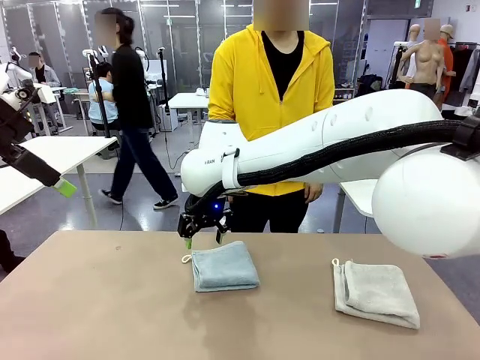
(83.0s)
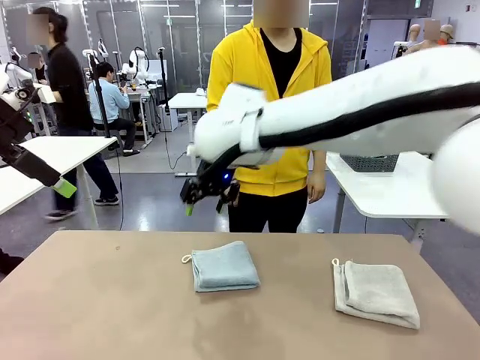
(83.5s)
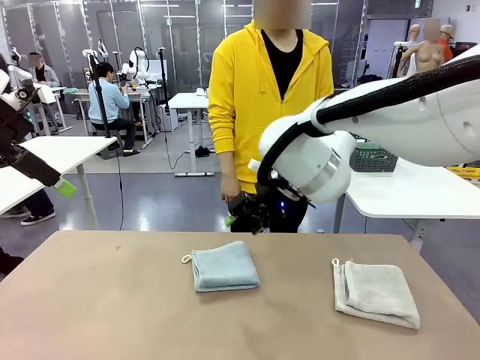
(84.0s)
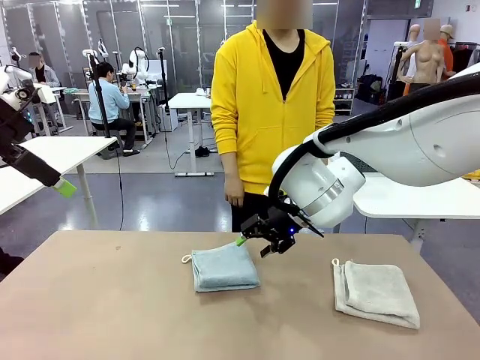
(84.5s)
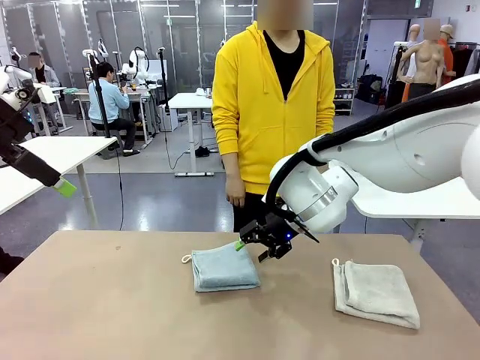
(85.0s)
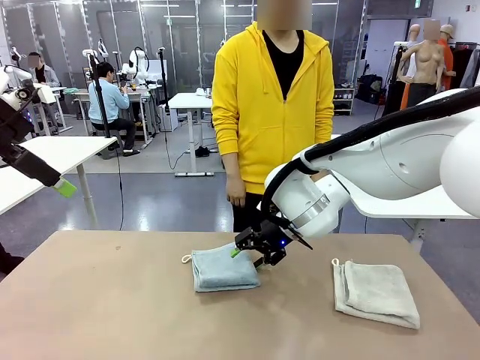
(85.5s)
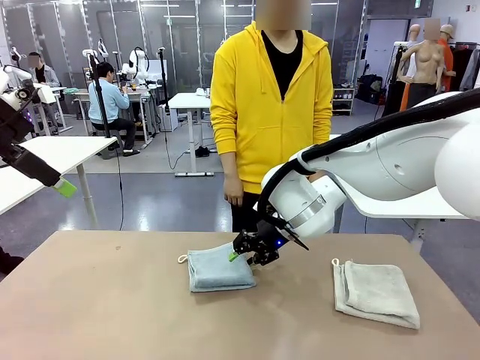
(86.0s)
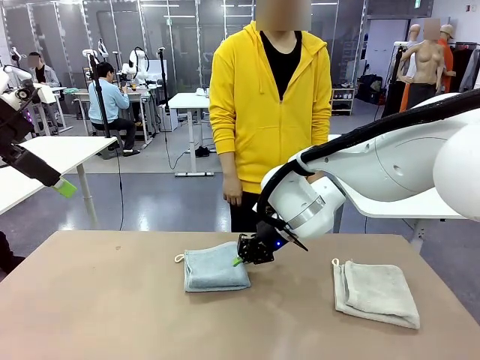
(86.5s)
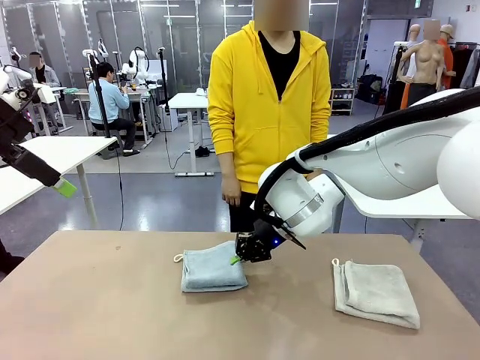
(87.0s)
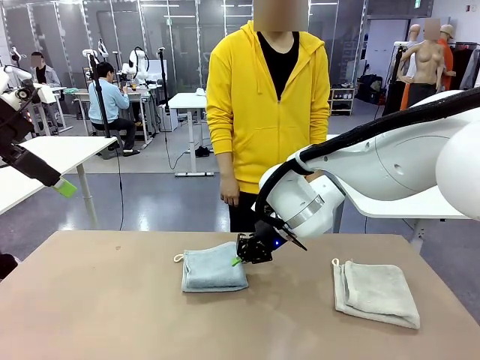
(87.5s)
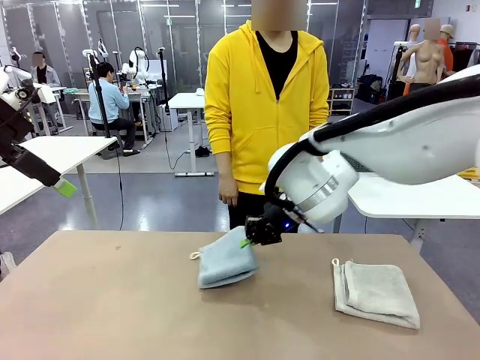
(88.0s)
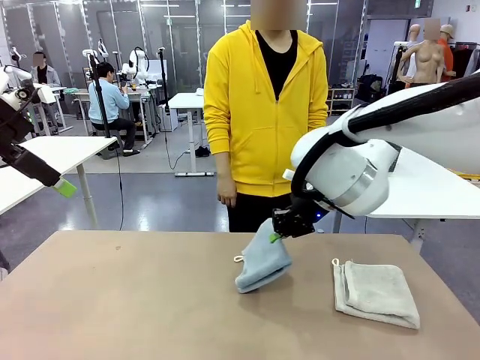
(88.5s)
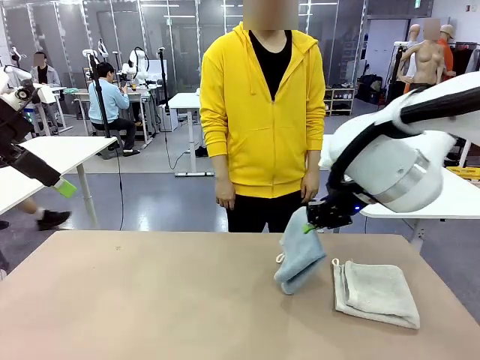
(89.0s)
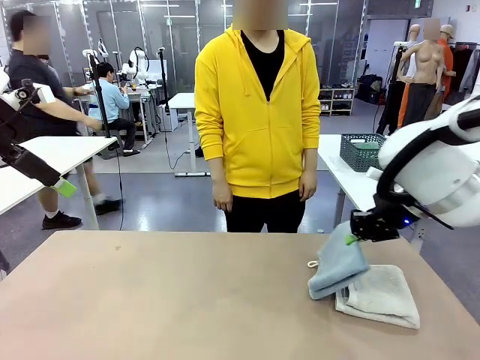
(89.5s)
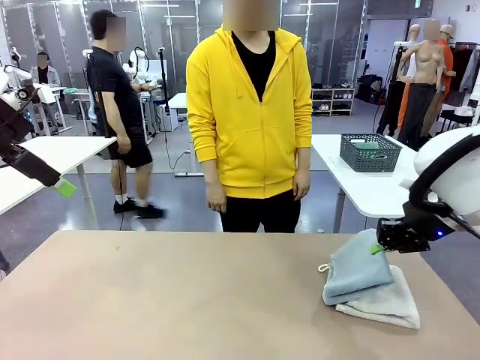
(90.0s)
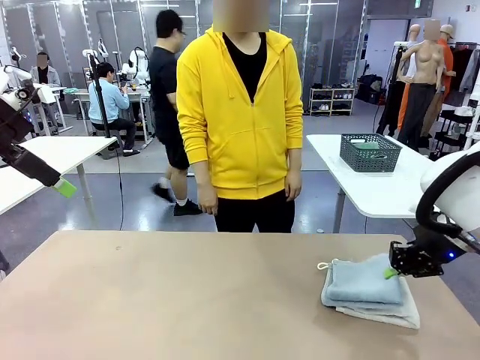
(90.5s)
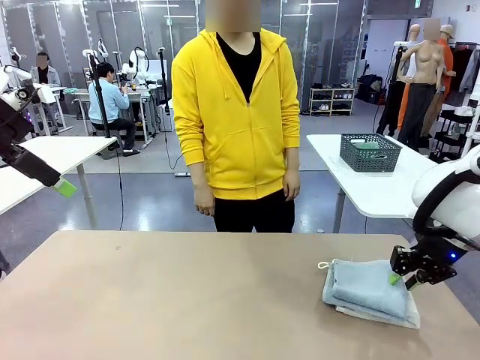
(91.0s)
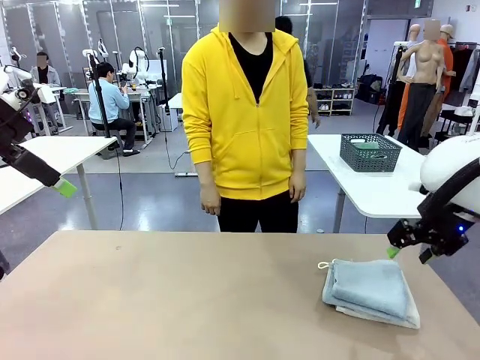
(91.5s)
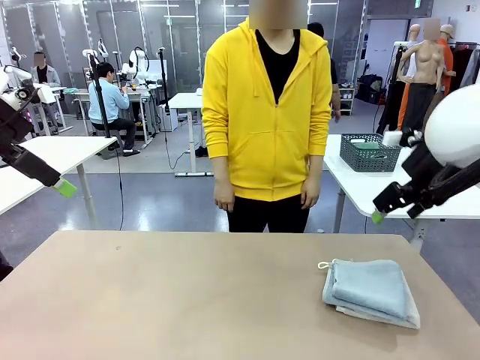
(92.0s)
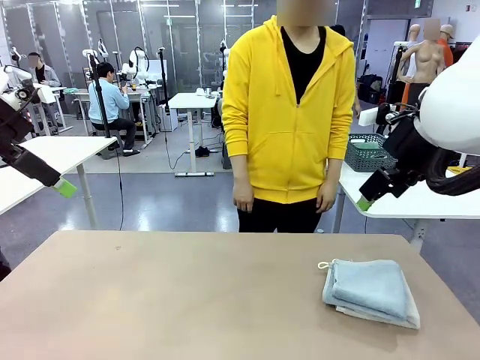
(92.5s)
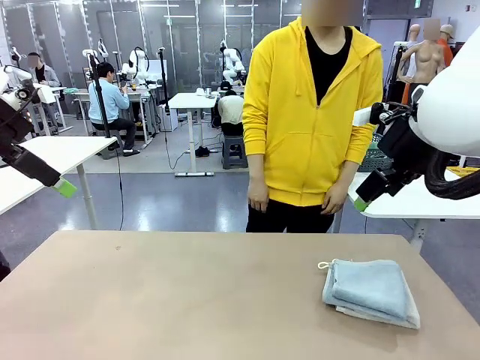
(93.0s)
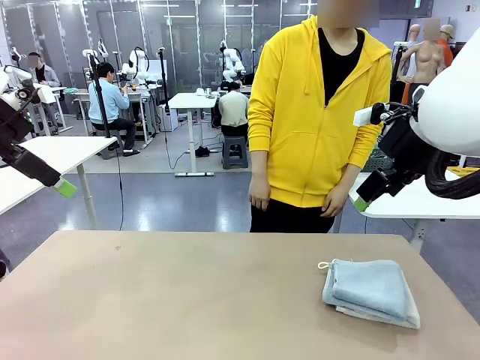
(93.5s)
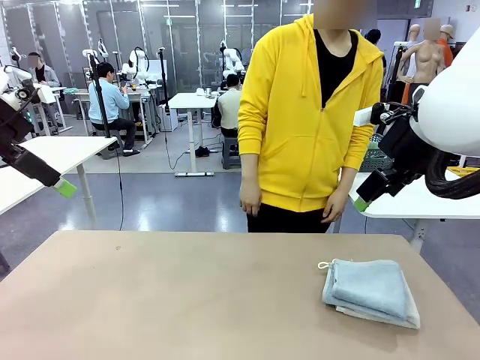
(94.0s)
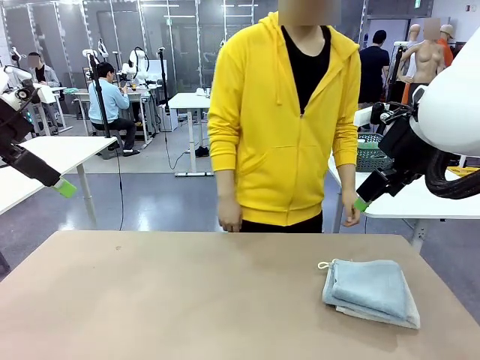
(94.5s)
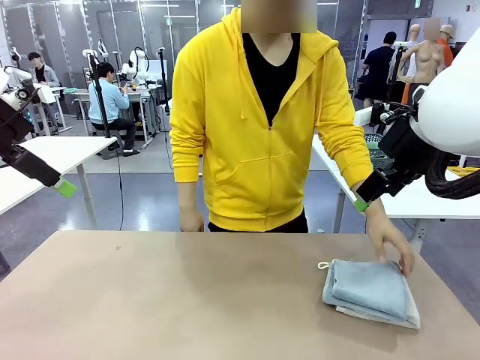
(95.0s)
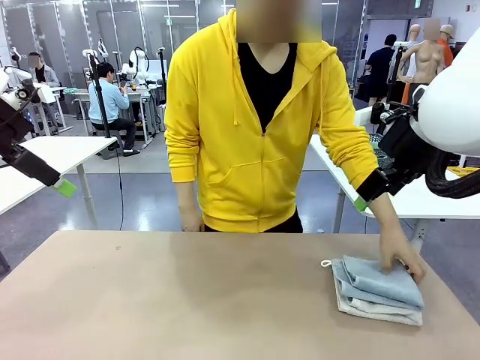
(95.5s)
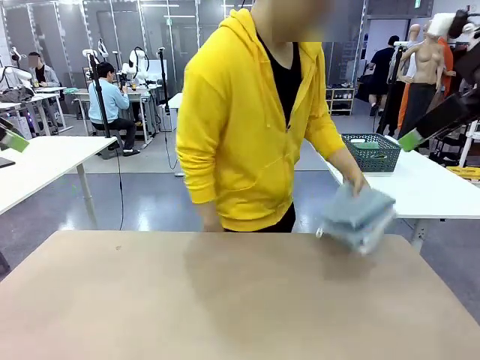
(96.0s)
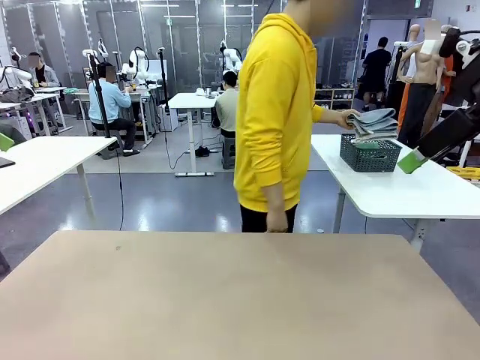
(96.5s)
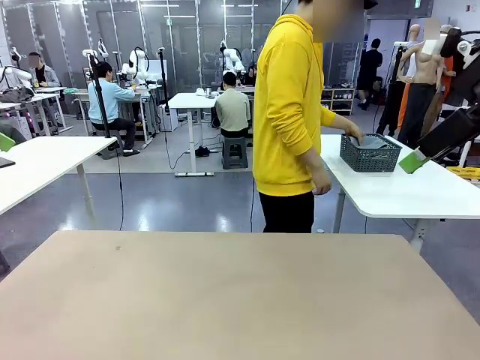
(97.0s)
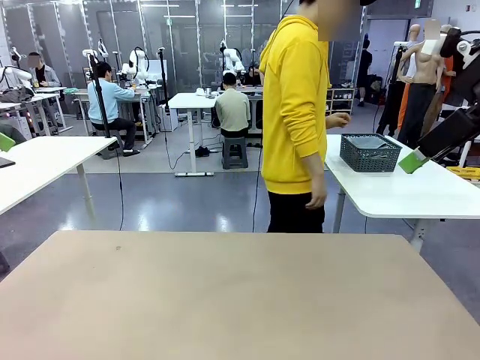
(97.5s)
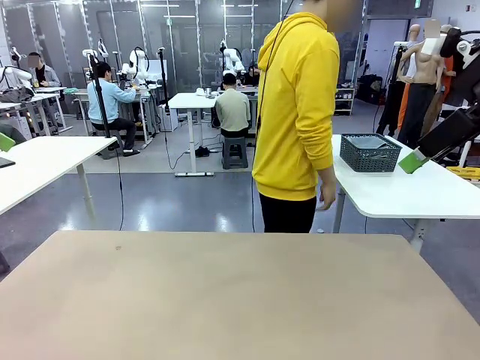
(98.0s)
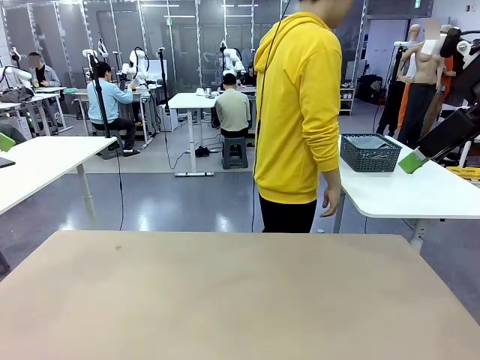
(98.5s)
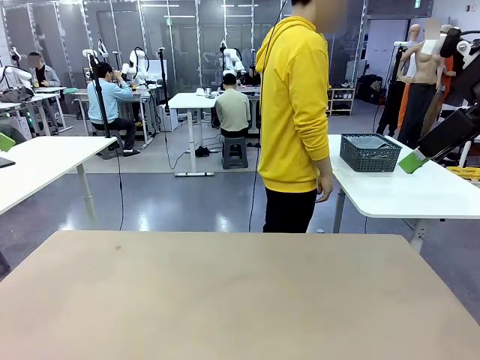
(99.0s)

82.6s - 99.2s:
Task: Fold the towels and place them in the basket.
Robot: Stack the folded Towel with hook on the right side of the table.
Person: Pick up the stack of towels from the robot table and place it into the basket.

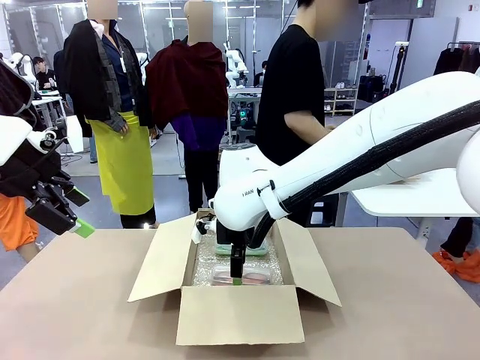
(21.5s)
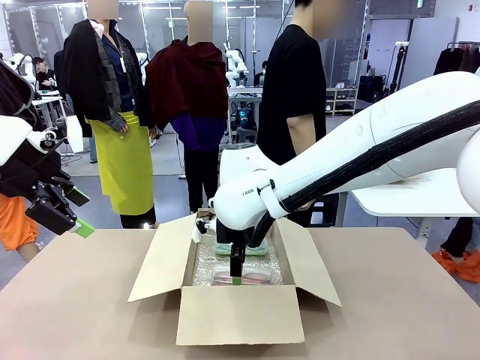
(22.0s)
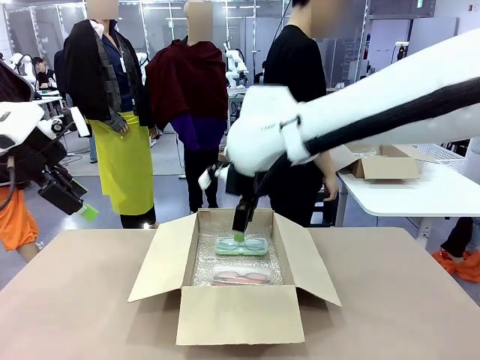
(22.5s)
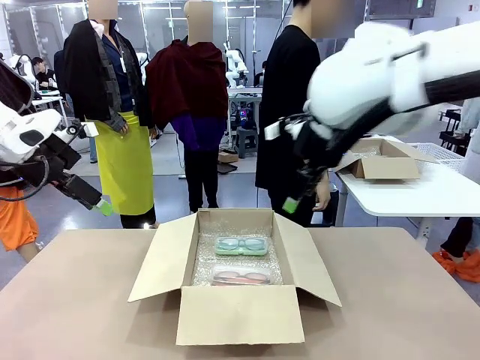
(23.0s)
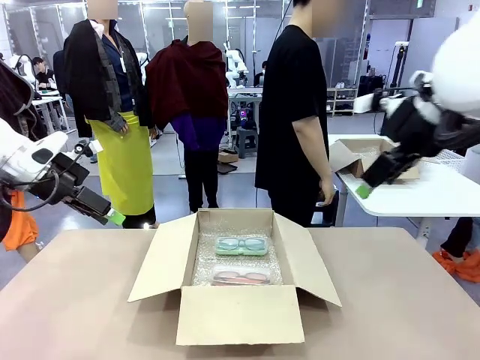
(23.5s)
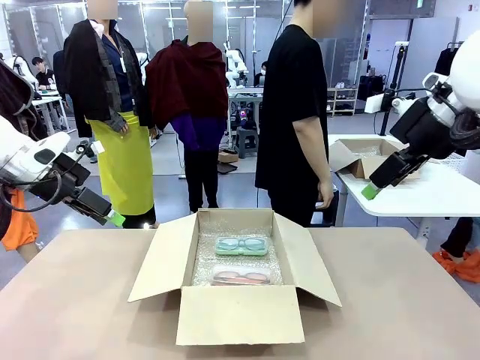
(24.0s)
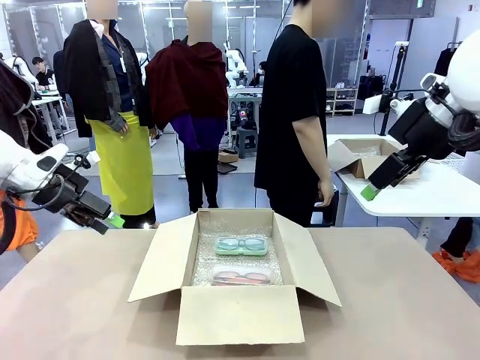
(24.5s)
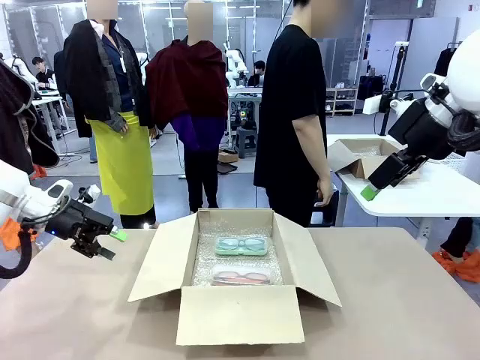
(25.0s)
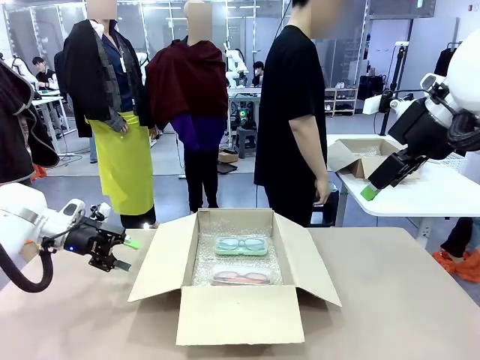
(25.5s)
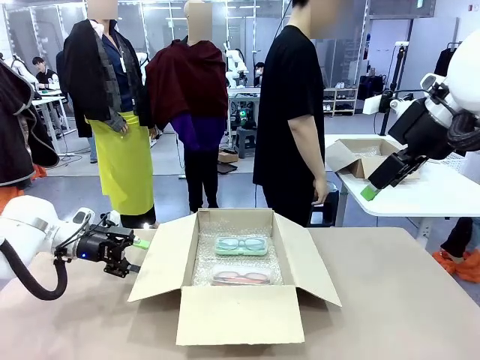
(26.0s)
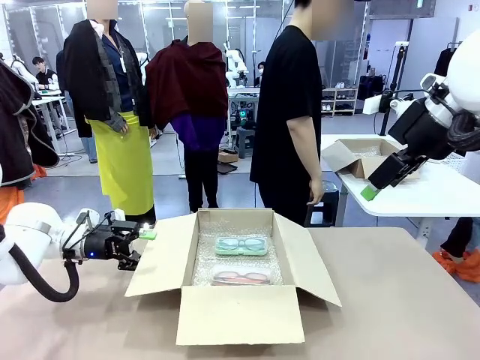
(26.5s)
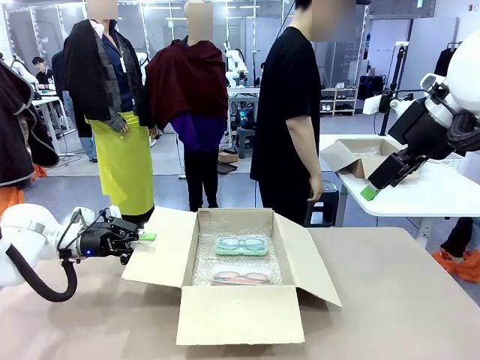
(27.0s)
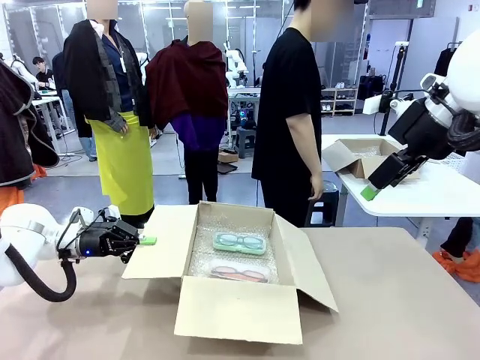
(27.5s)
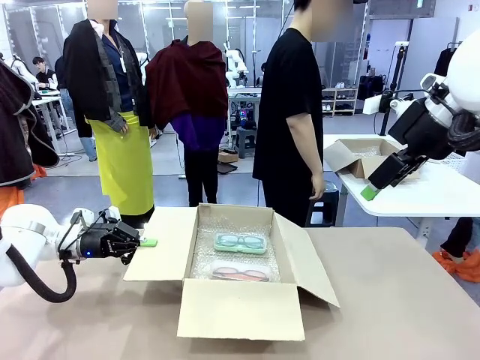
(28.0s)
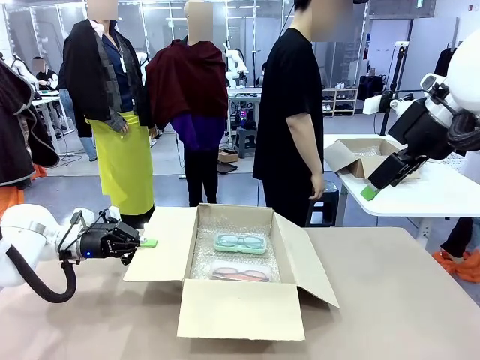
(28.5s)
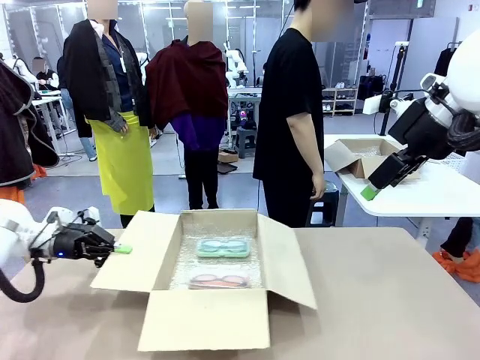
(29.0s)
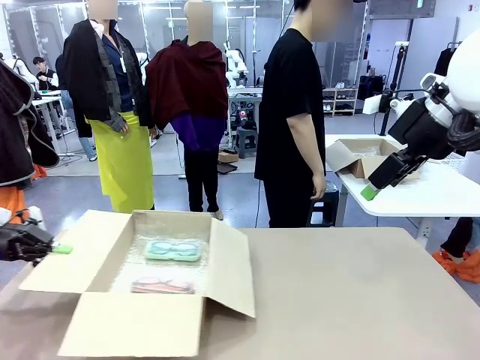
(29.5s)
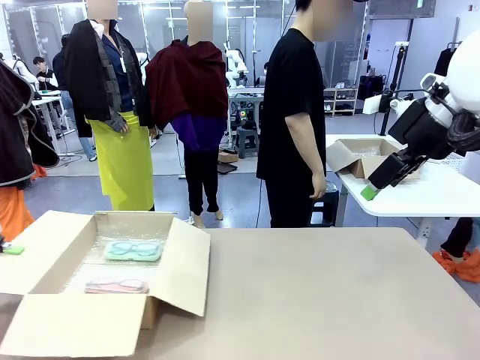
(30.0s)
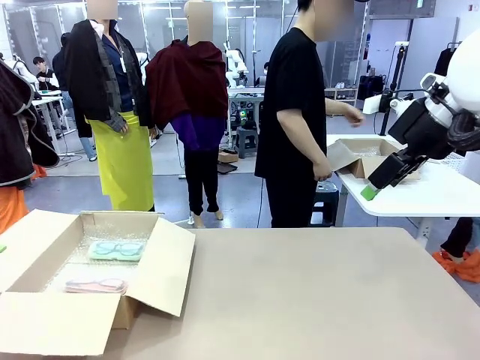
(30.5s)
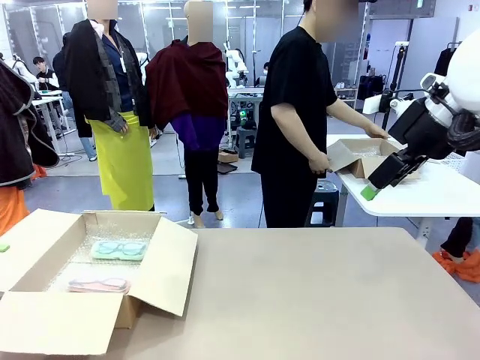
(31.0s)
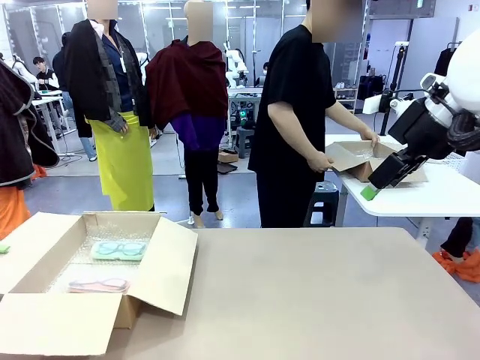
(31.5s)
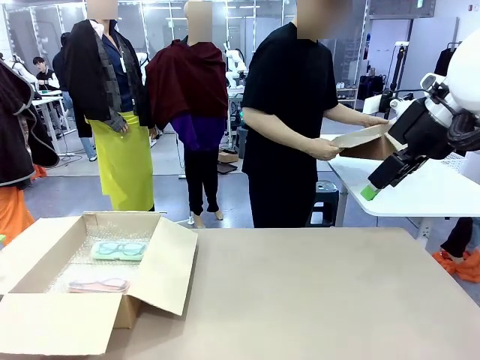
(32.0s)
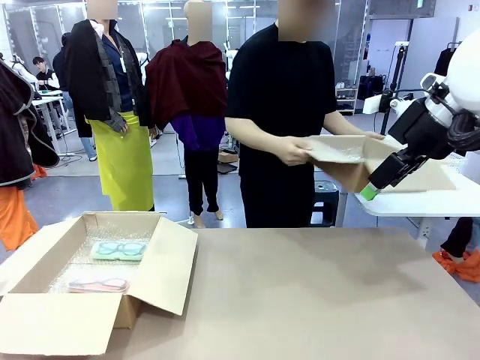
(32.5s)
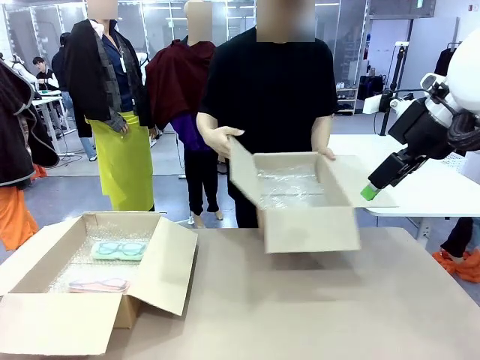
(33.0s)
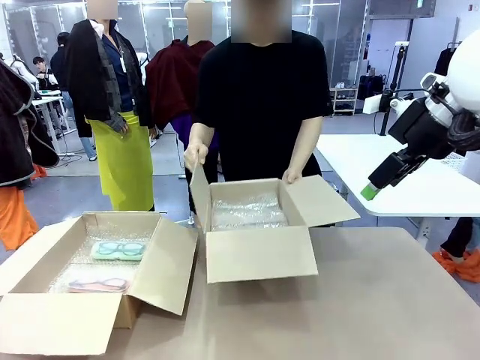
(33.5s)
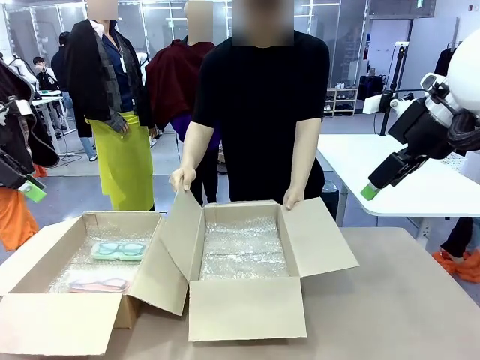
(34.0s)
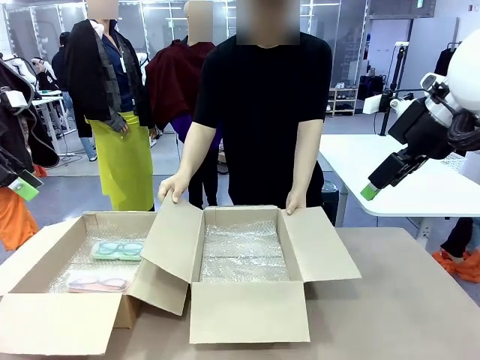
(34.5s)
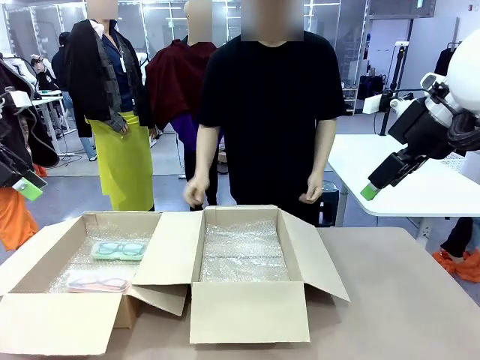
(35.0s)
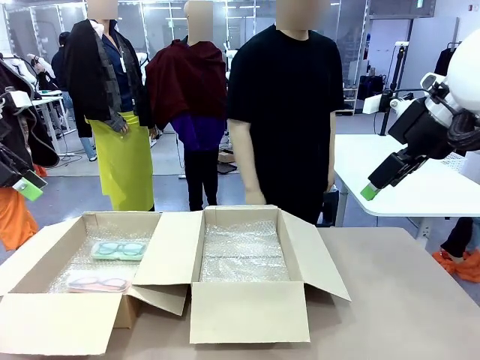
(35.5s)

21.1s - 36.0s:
Task: Pack the glasses set securely to prepare it for shipping.
Robot: Position the Package Box on the left side of the table.
Person: Position the empty Package Box in the middle of the robot's table.
